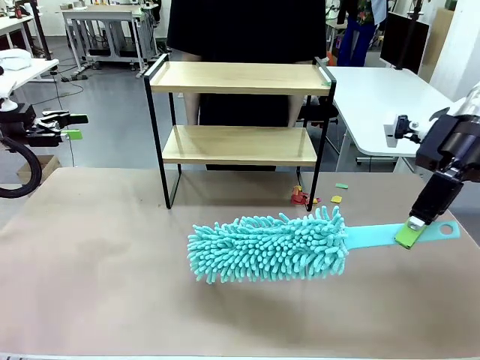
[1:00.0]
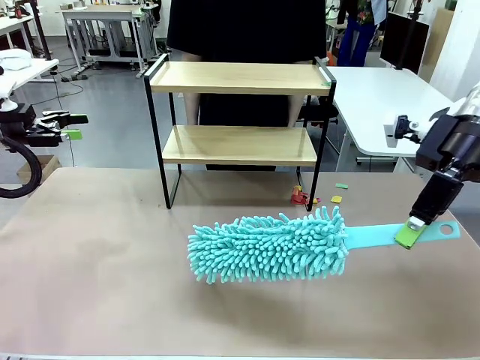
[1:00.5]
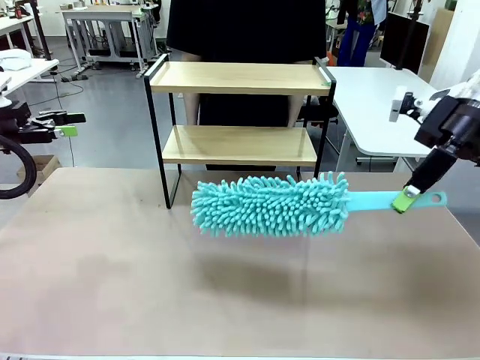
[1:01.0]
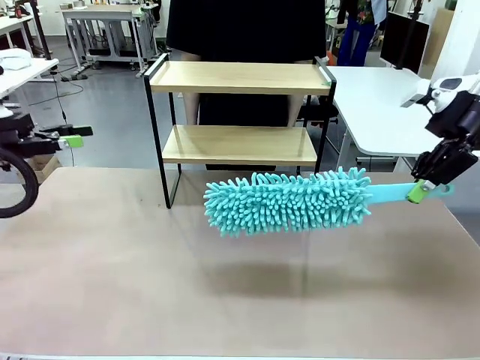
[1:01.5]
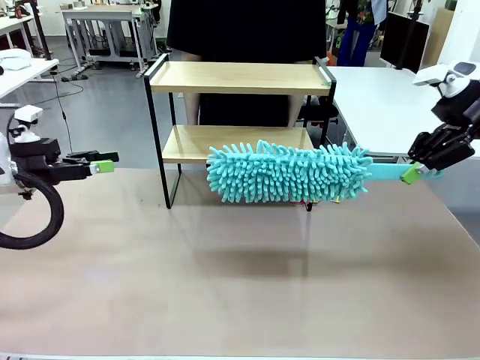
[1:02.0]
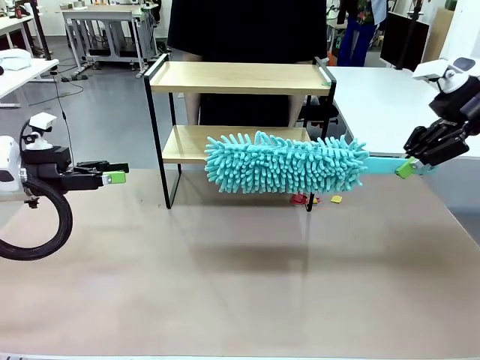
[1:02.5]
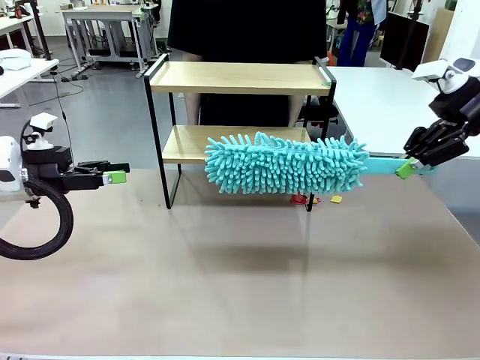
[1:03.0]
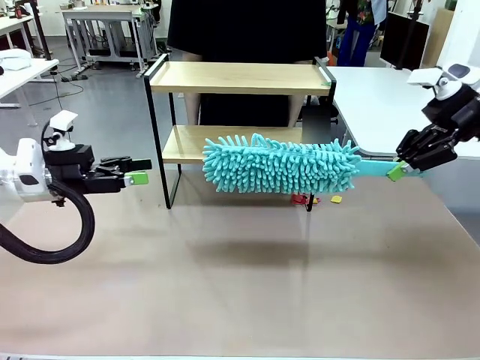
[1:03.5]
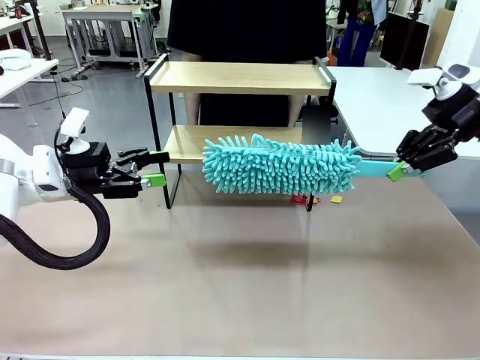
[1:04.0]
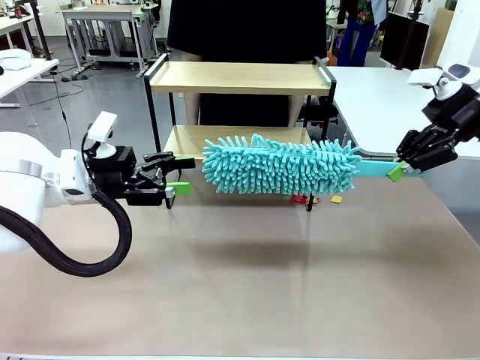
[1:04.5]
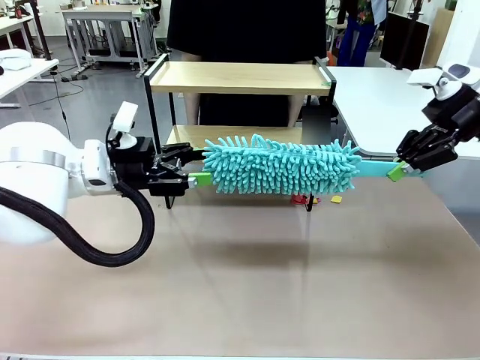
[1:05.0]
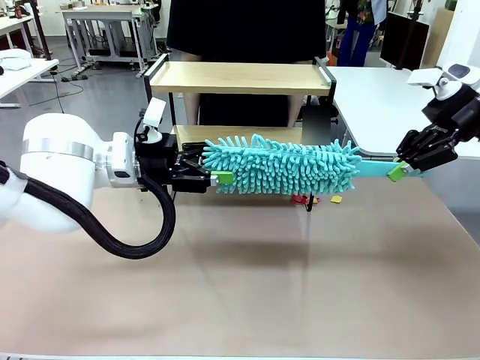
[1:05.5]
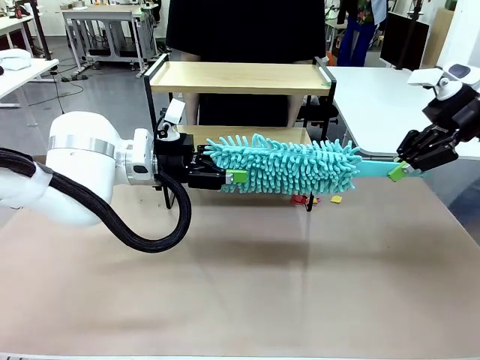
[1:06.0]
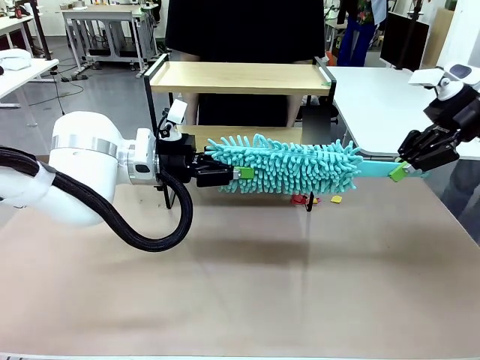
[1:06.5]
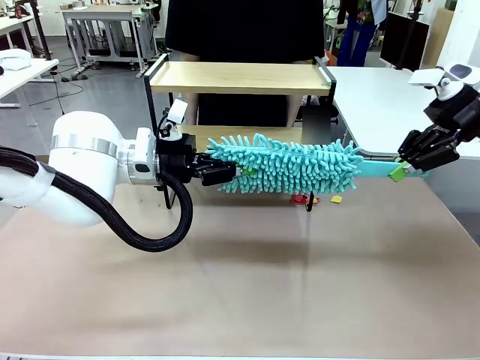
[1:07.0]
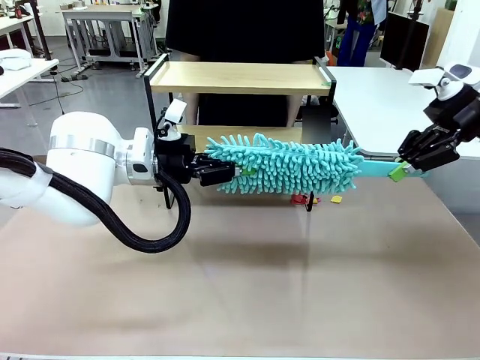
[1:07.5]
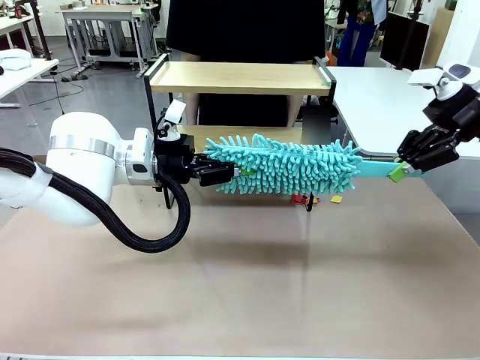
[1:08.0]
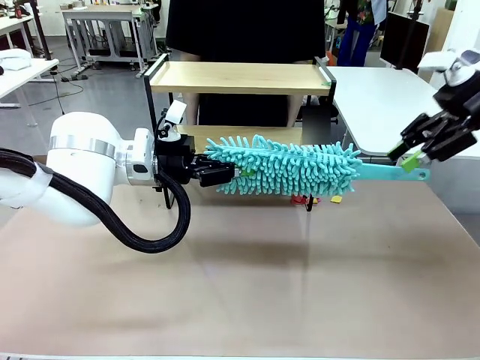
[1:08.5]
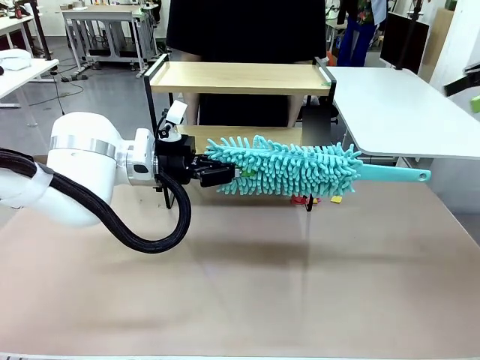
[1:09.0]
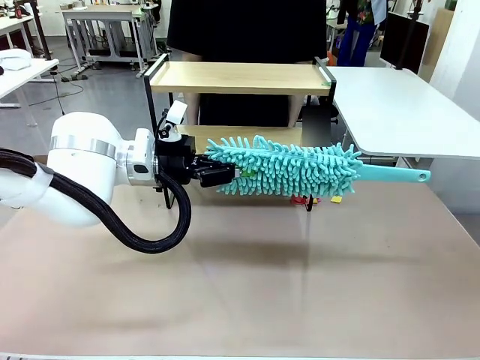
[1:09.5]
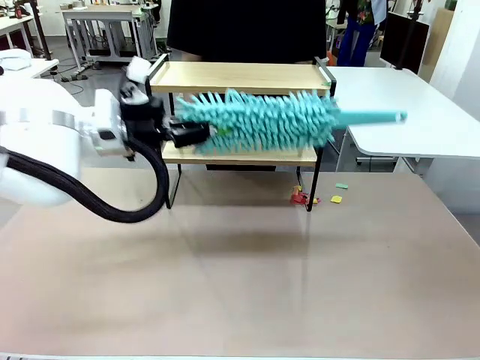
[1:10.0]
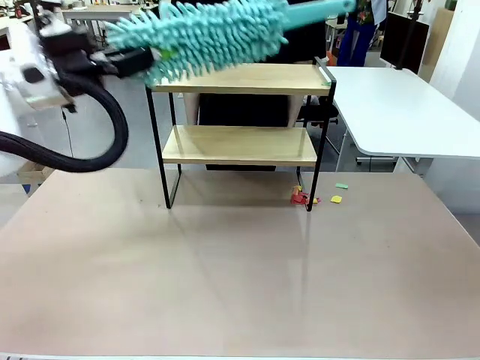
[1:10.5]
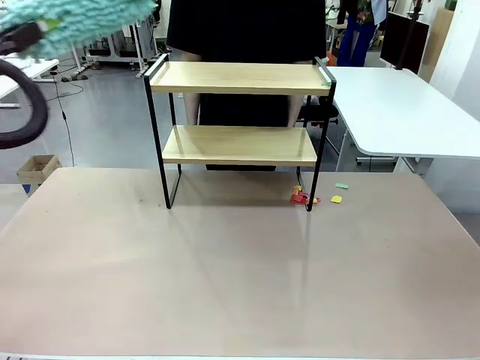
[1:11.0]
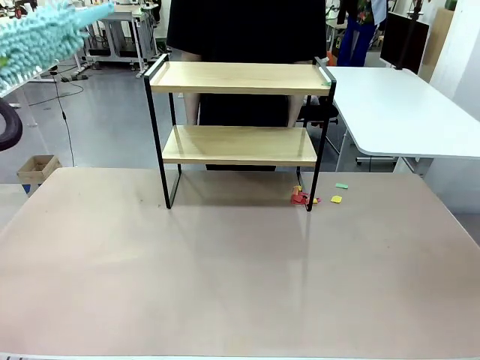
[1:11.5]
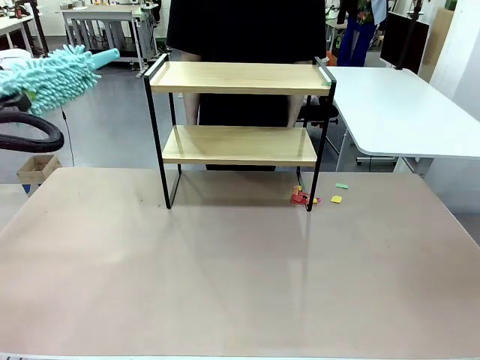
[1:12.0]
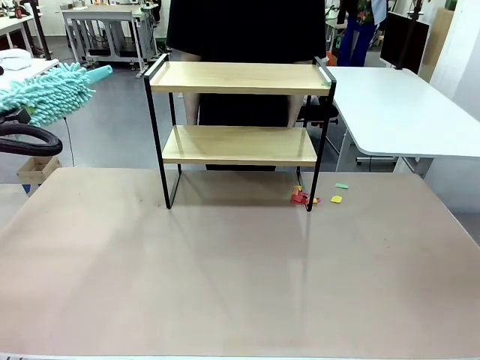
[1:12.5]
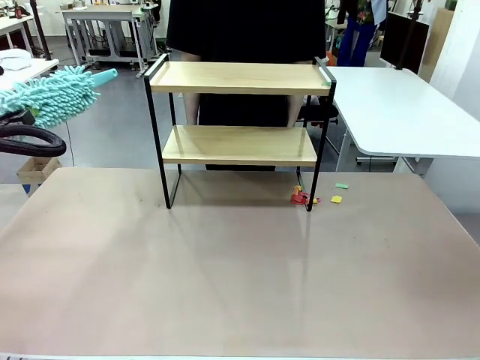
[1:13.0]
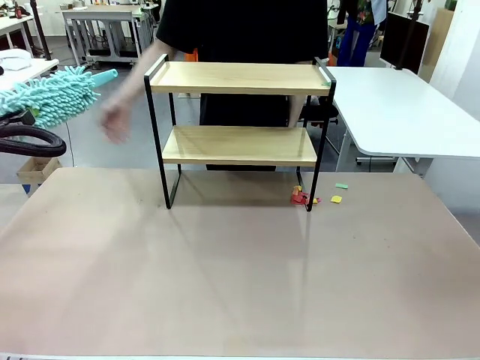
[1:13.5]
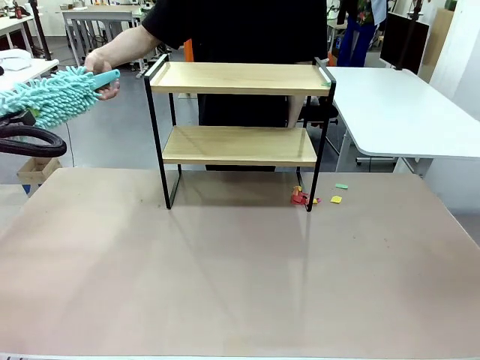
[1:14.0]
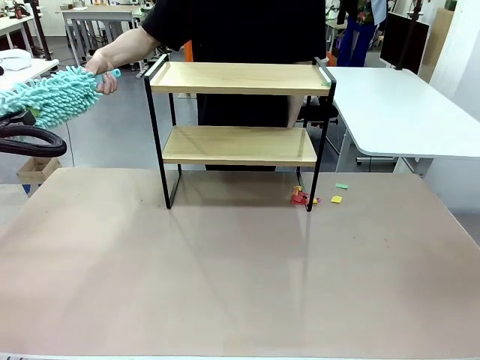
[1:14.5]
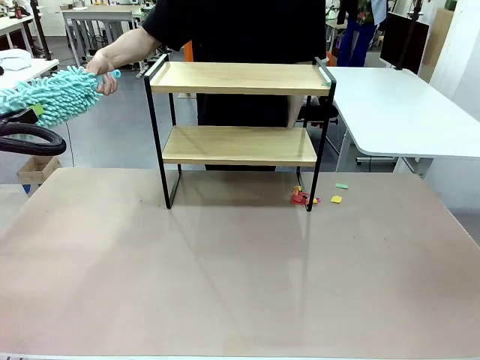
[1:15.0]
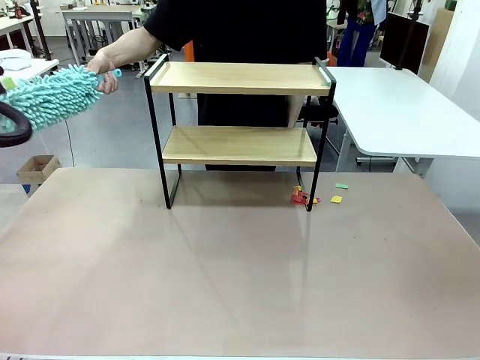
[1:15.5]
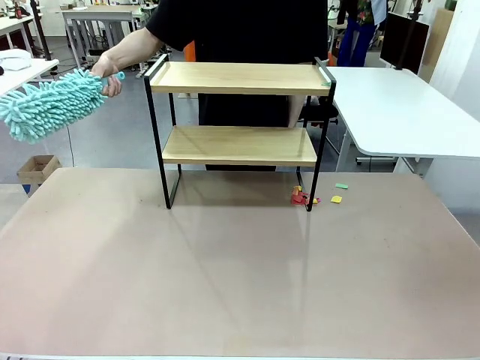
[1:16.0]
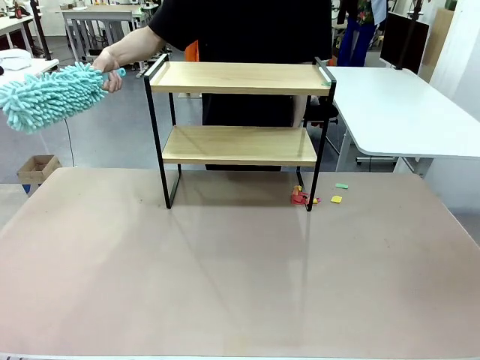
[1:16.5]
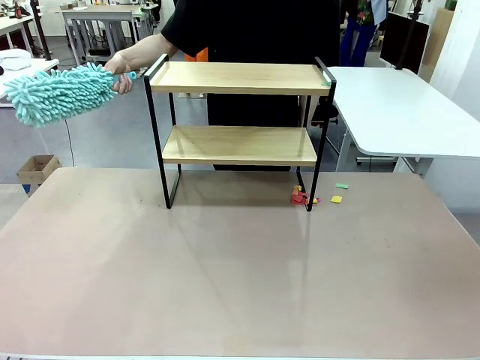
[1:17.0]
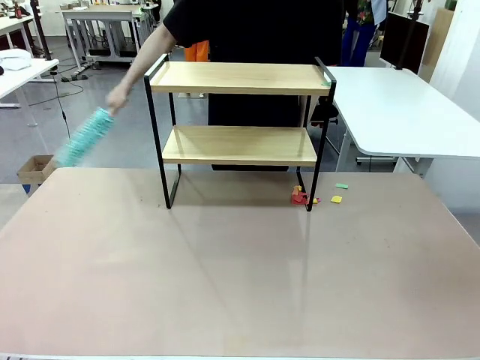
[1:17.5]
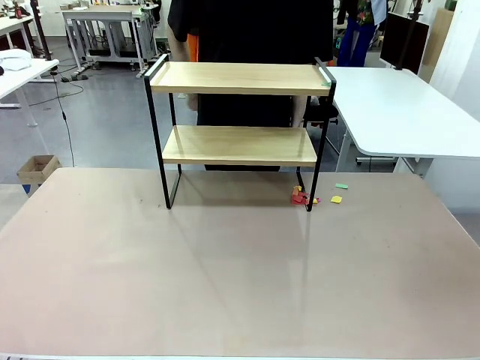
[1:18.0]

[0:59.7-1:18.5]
Task: Clean the shelf.
Robot: Hand the Duster back to the human.
Person: Receive the Duster from the robot.

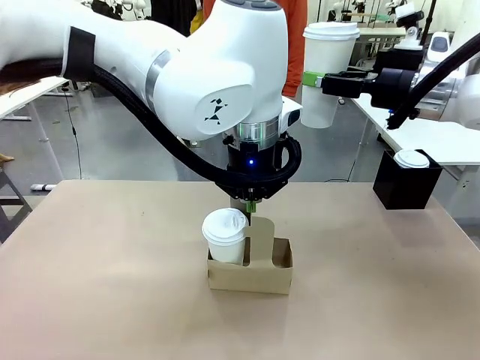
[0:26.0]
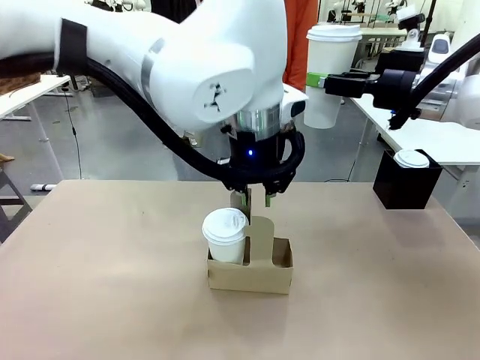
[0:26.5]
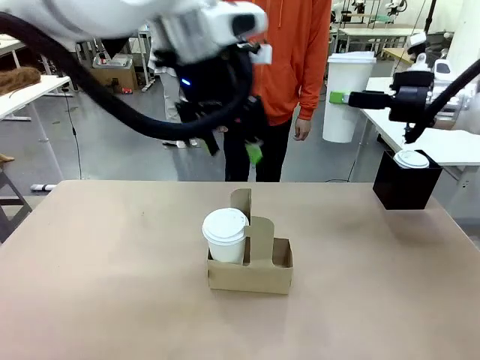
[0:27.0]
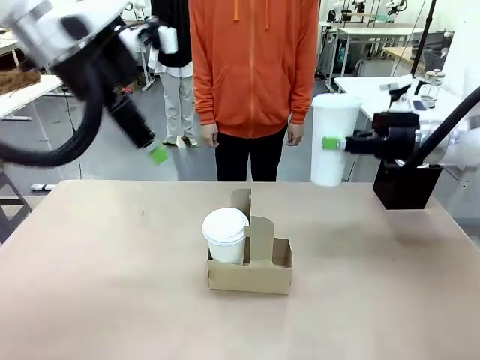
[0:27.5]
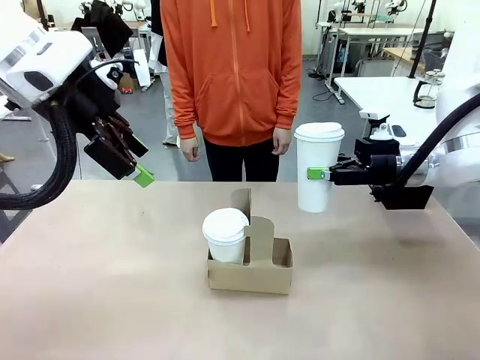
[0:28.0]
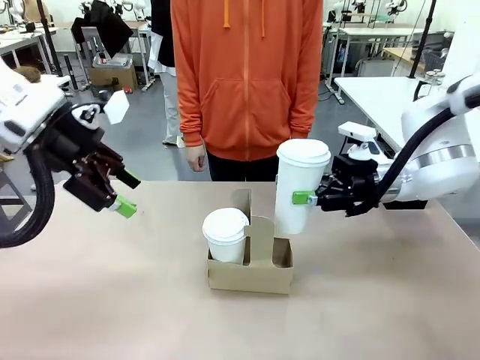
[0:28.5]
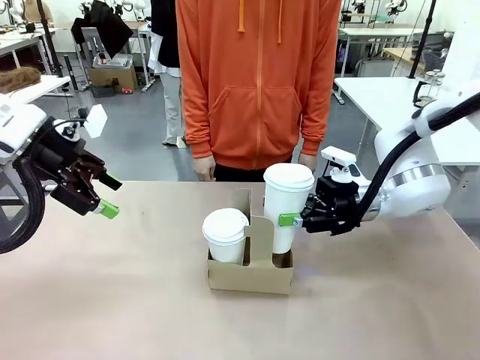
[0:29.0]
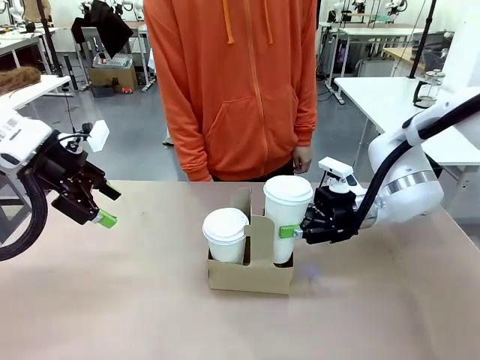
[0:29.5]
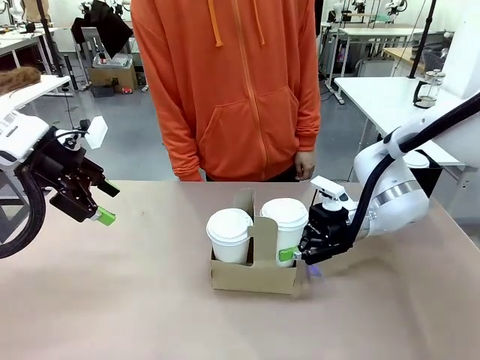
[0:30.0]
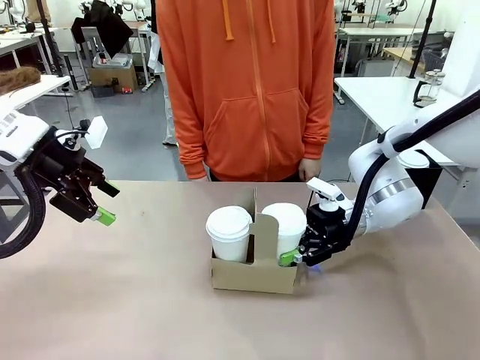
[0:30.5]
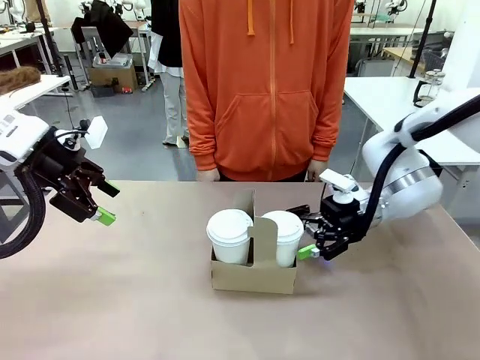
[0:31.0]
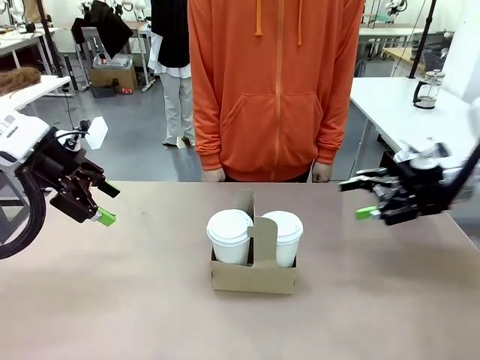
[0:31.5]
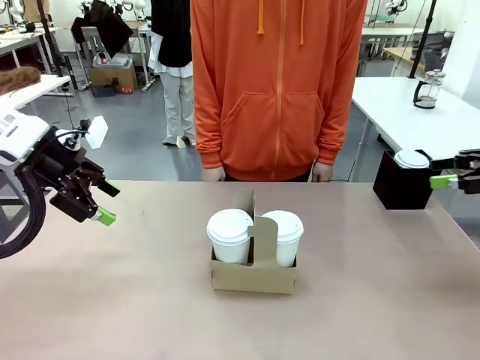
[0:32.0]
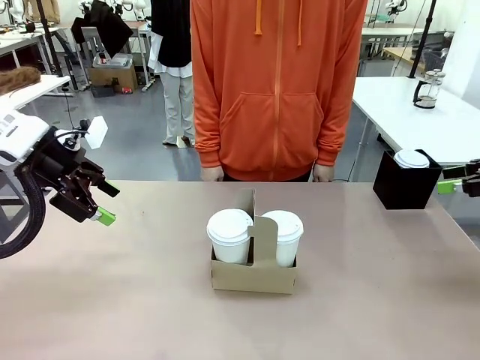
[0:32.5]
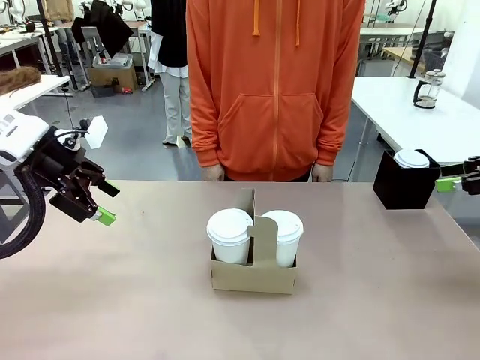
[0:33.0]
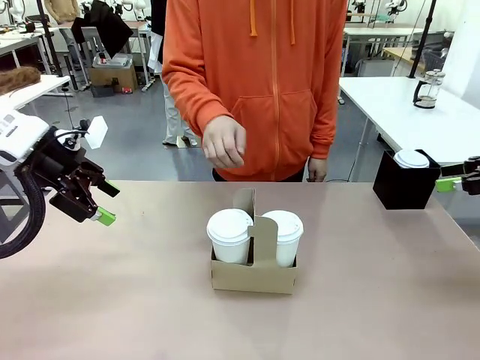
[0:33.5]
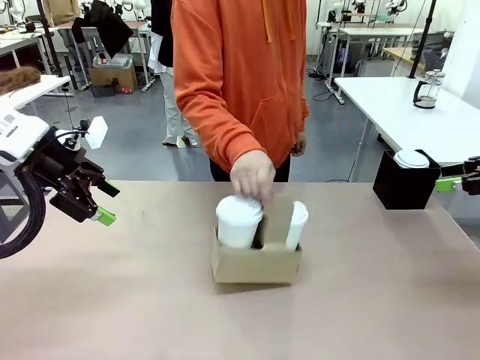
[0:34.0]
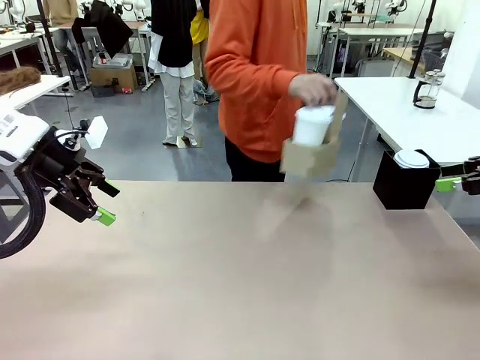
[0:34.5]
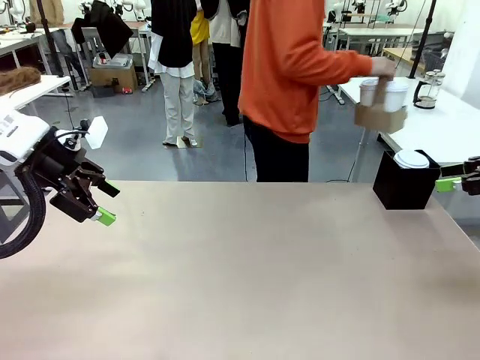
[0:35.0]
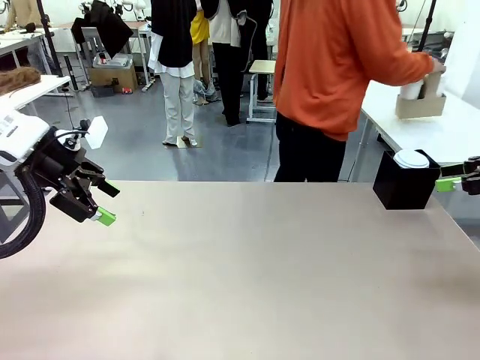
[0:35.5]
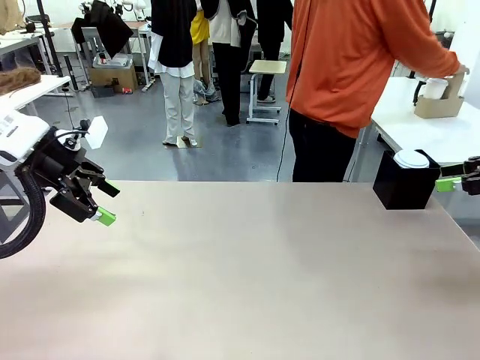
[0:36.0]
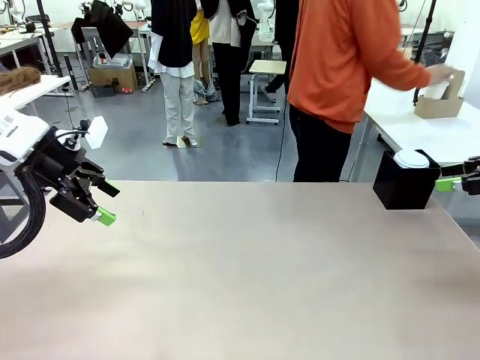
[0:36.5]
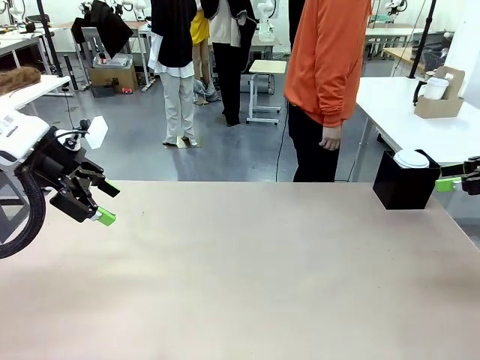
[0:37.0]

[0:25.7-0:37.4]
Task: Pour a drink into a cup and package it in a carrier.
Robot: Insert the held 600 ml Paper Cup into the Cup Carrier.
Person: Place the Cup Carrier to the middle of Human table.
